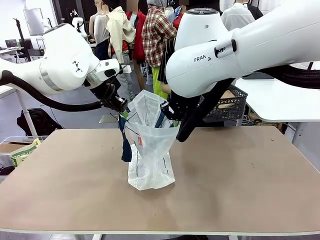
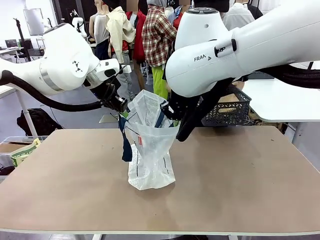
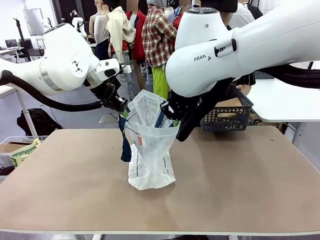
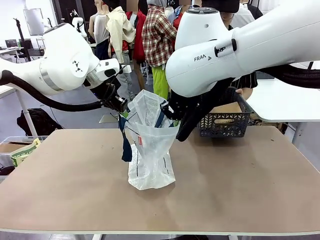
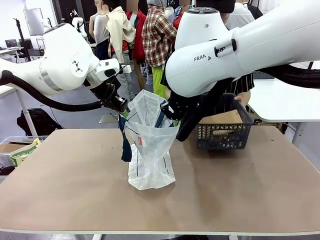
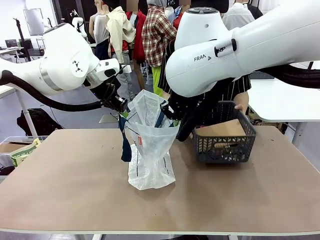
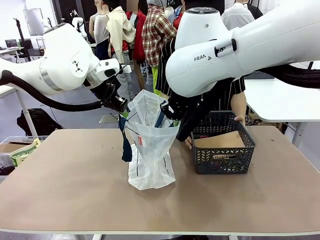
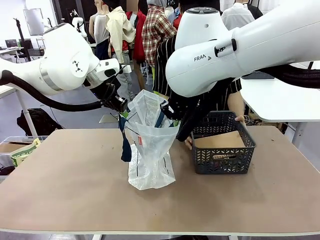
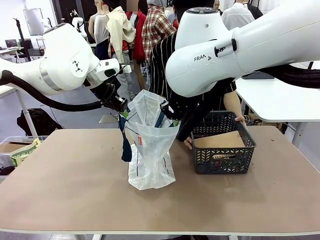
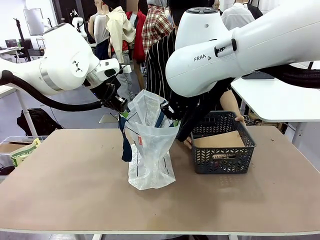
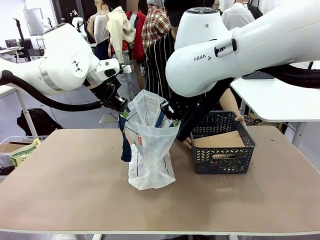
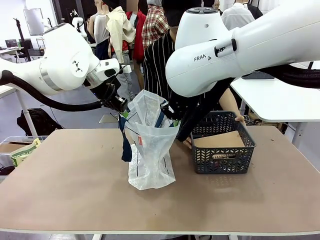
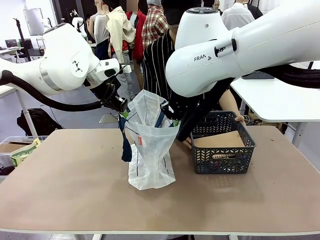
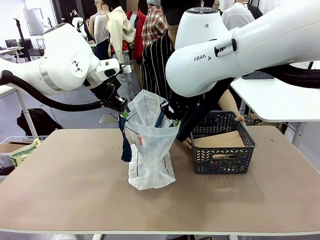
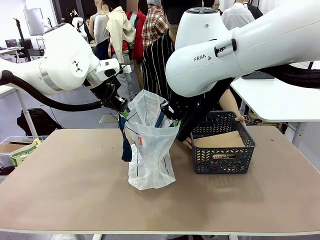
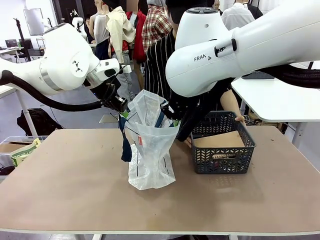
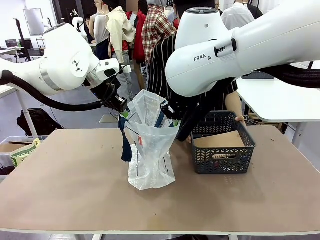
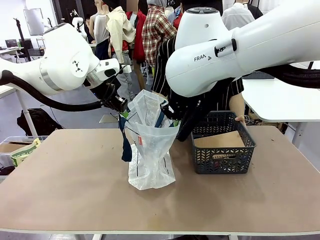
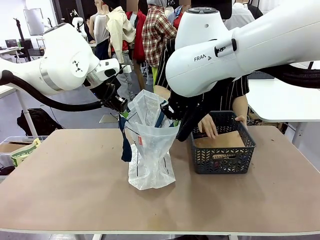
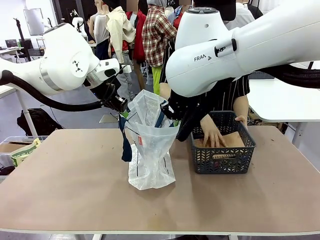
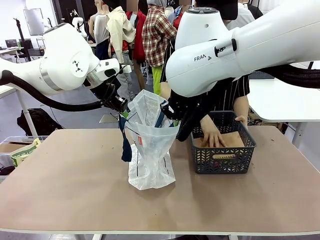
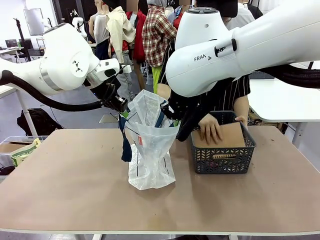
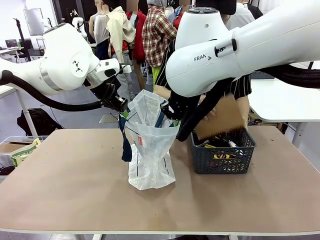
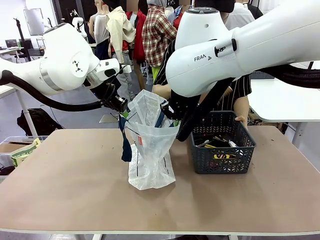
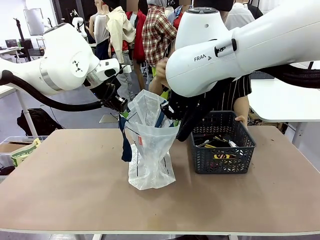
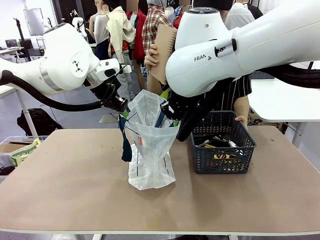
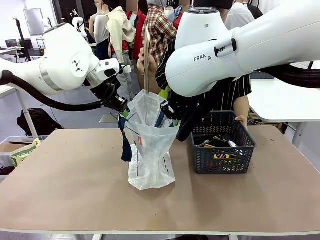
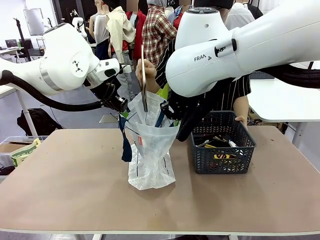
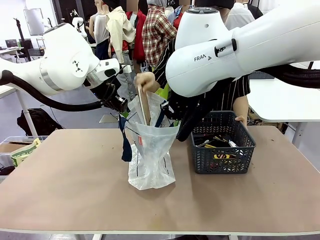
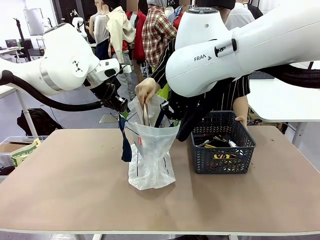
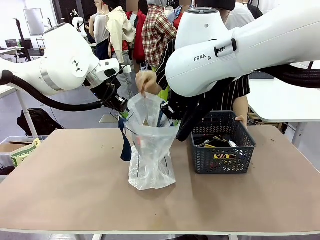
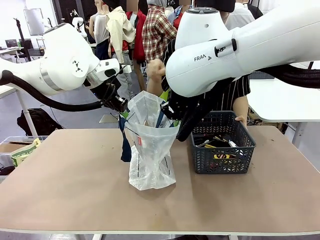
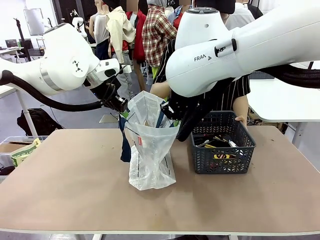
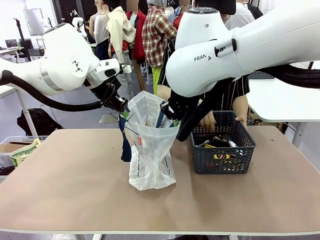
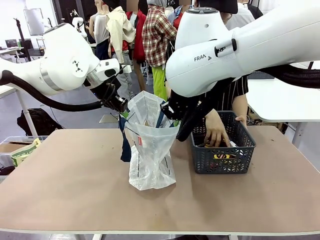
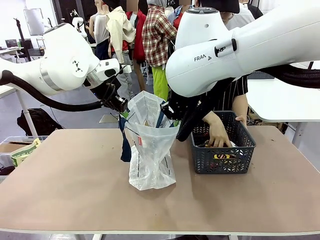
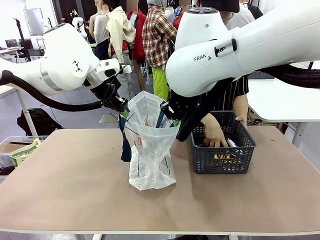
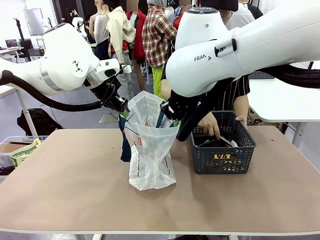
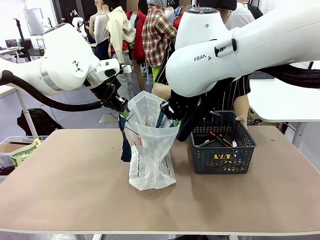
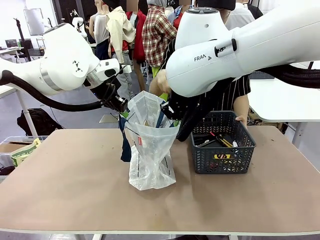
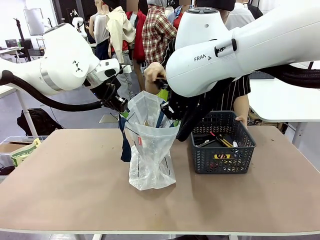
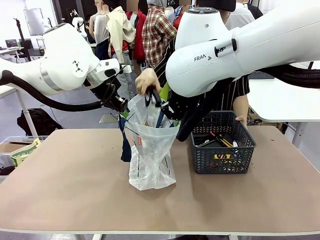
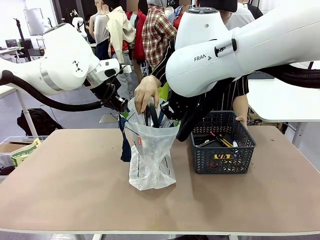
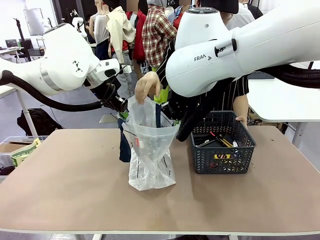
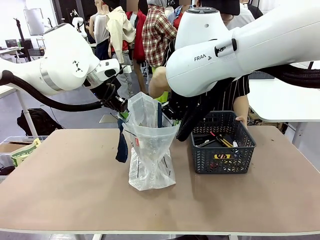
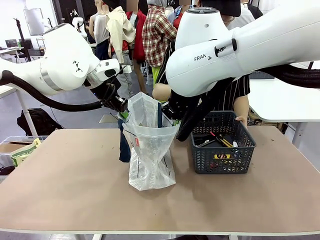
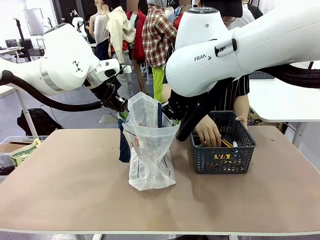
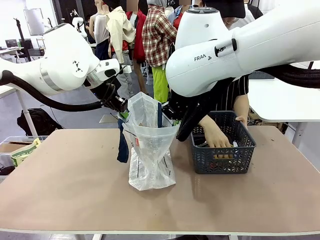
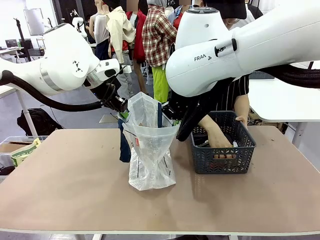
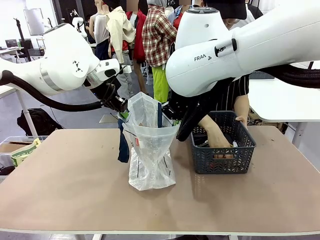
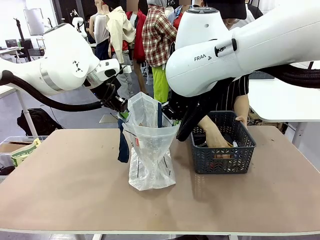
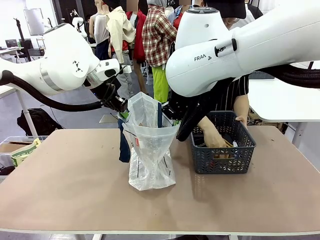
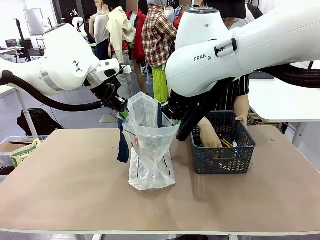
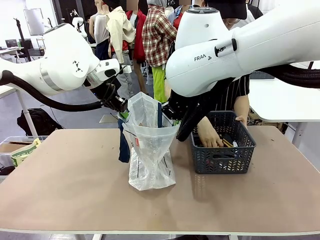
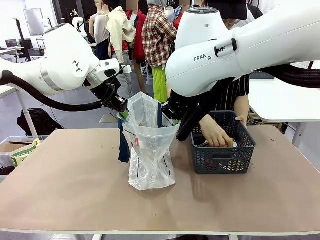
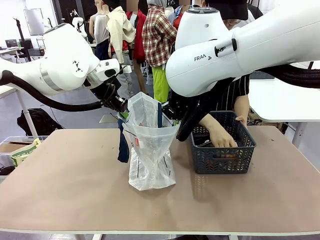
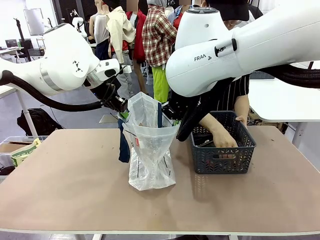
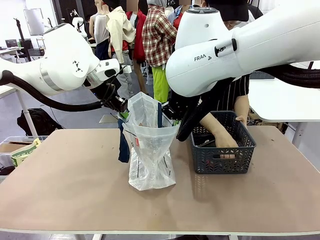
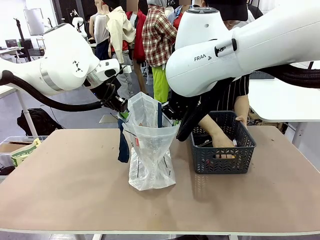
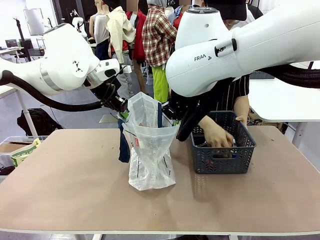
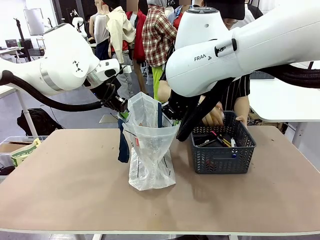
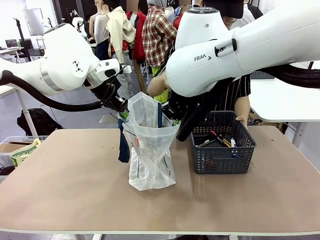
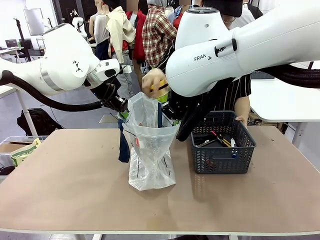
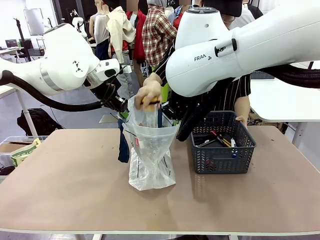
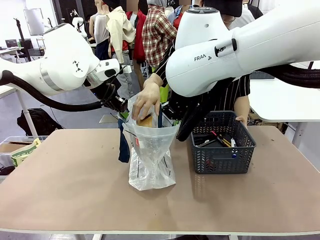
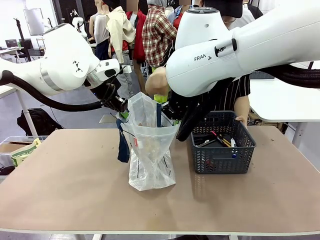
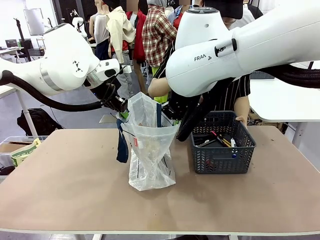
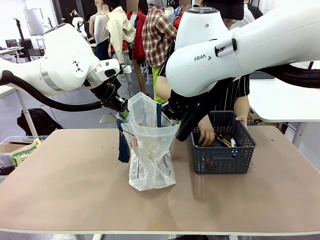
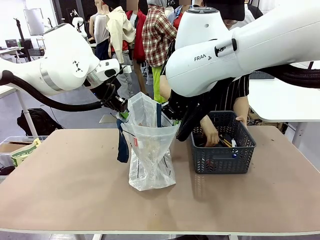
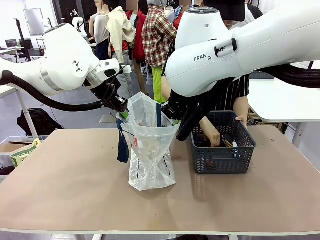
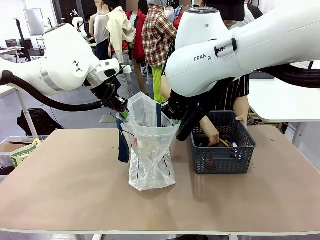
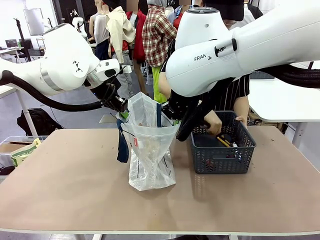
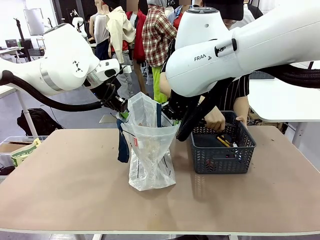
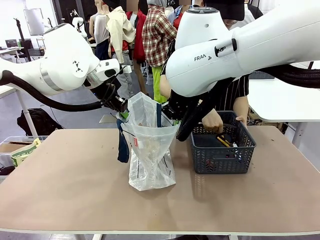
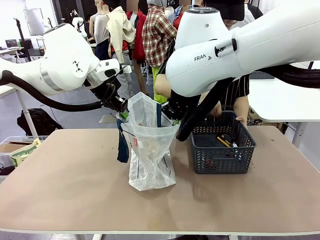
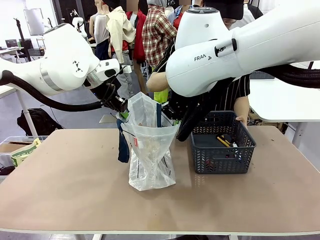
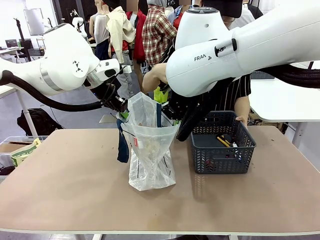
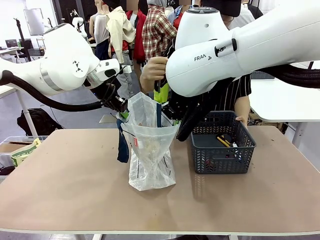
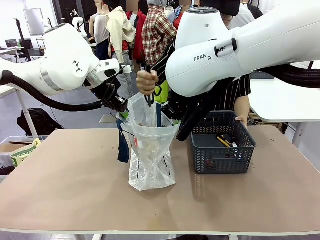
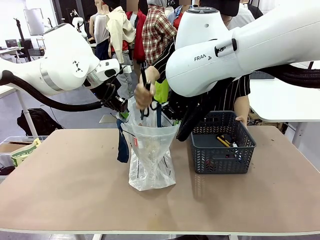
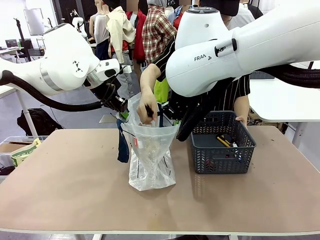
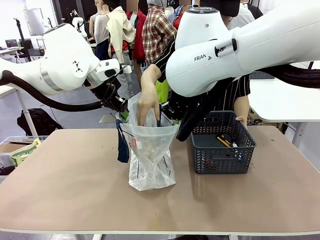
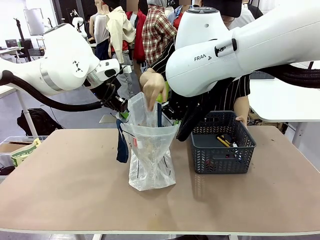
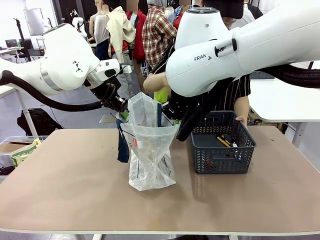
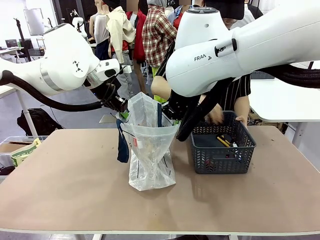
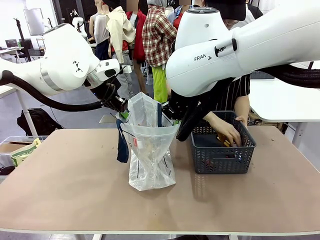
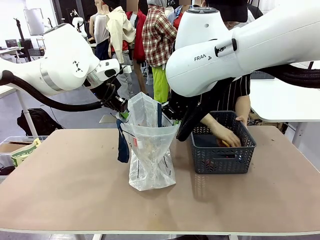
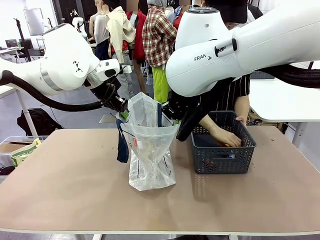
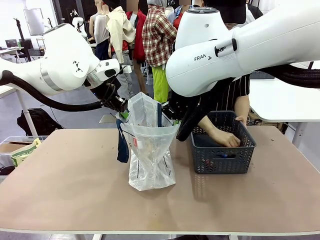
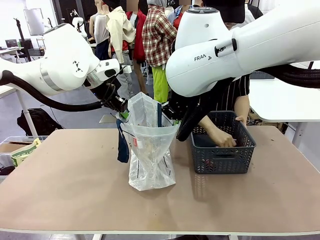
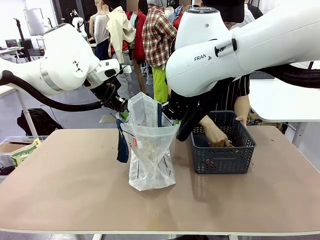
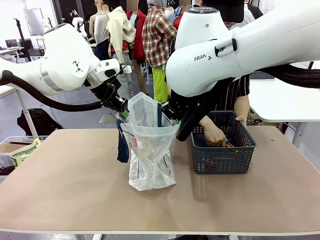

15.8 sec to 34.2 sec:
Task: Transfer purchased items from the store into the shopping bag.
Robot: Move the Reusable shopping bag to the right side of the table.
Person: Pick up the basket with the items out and place it on the right side of the human table.
